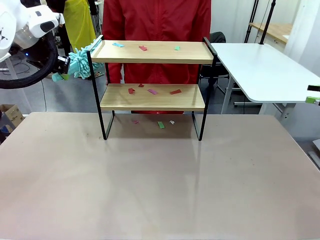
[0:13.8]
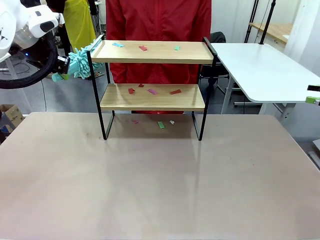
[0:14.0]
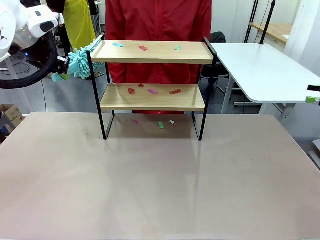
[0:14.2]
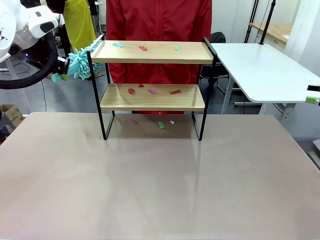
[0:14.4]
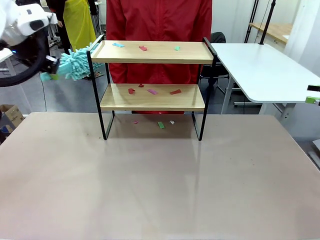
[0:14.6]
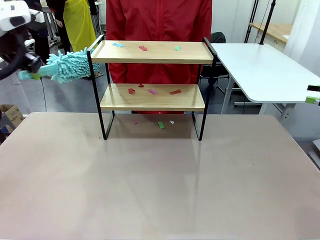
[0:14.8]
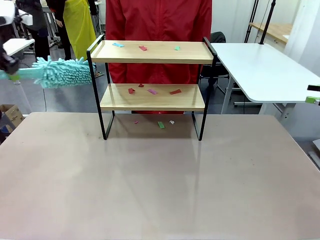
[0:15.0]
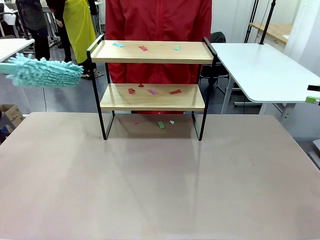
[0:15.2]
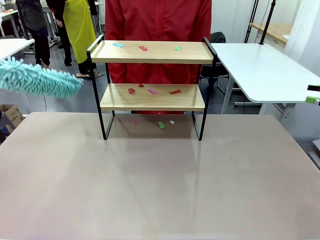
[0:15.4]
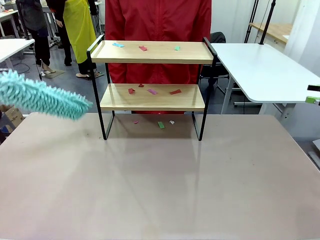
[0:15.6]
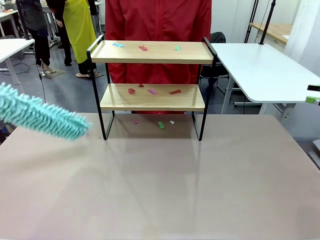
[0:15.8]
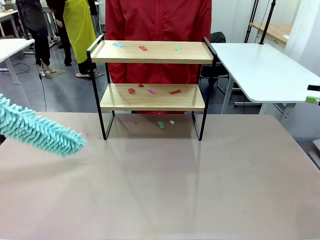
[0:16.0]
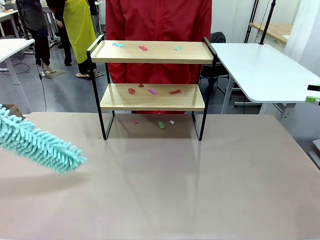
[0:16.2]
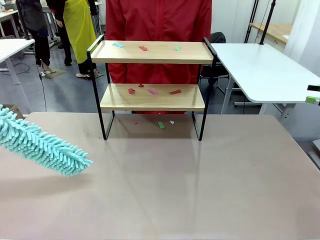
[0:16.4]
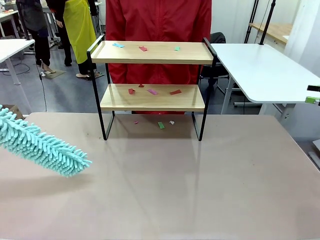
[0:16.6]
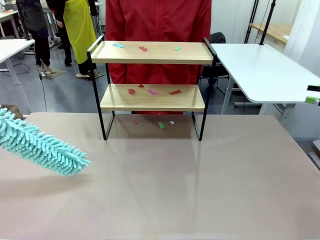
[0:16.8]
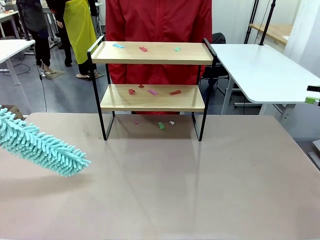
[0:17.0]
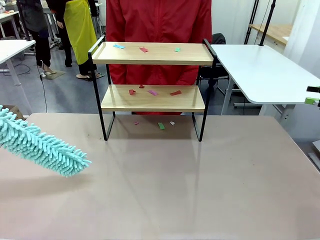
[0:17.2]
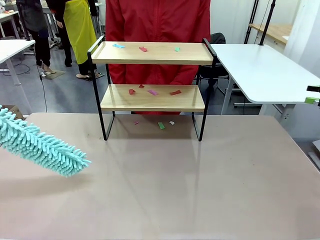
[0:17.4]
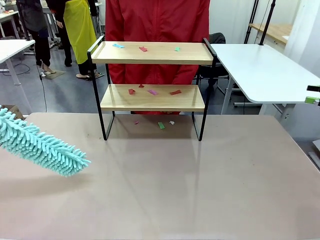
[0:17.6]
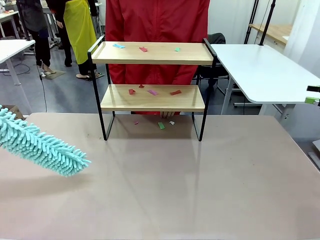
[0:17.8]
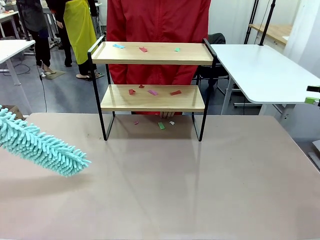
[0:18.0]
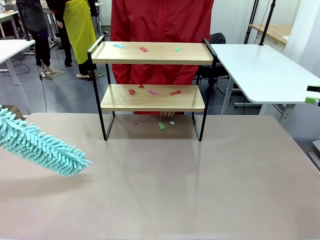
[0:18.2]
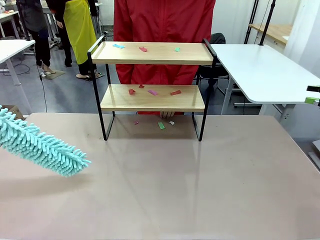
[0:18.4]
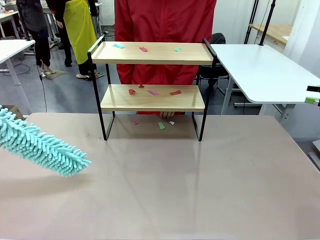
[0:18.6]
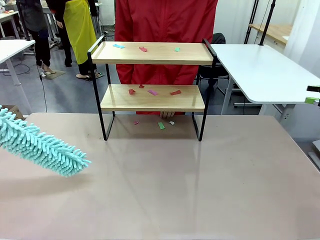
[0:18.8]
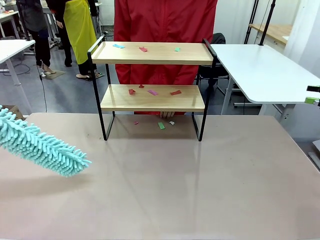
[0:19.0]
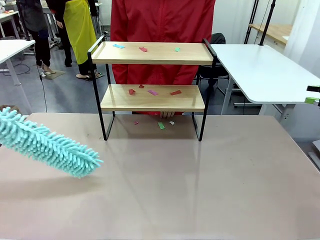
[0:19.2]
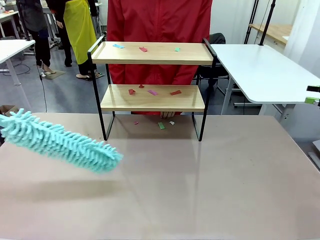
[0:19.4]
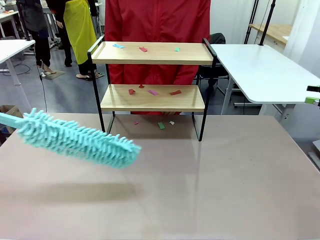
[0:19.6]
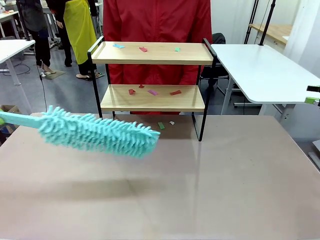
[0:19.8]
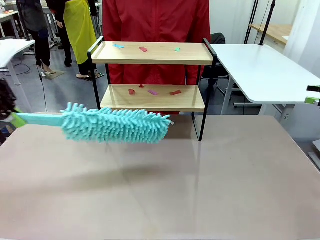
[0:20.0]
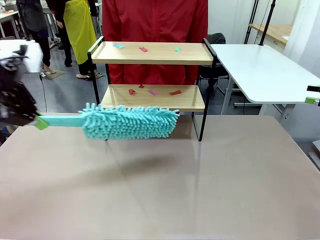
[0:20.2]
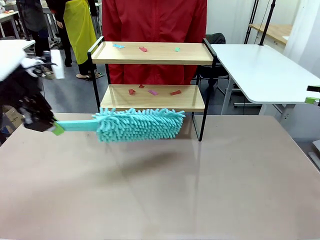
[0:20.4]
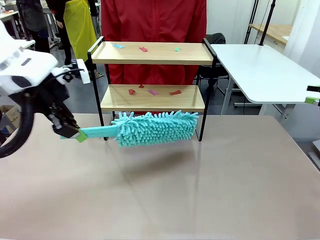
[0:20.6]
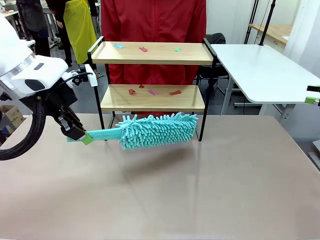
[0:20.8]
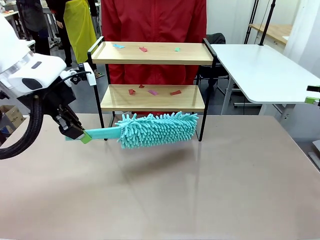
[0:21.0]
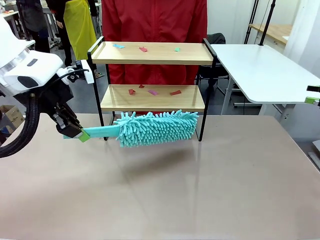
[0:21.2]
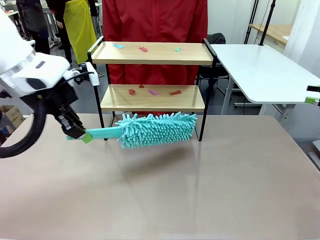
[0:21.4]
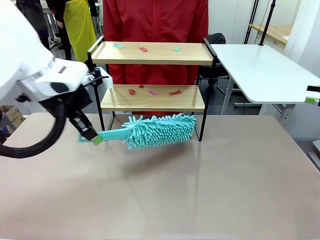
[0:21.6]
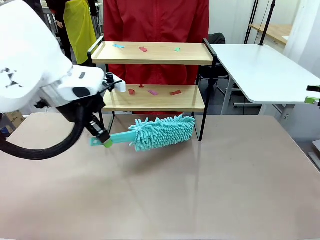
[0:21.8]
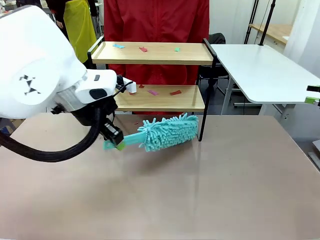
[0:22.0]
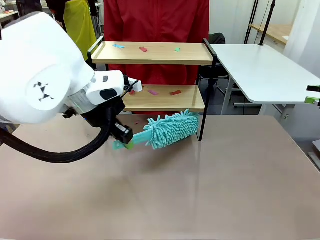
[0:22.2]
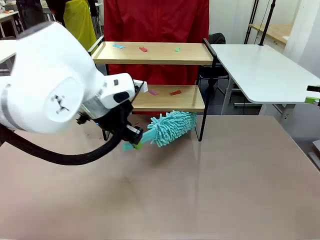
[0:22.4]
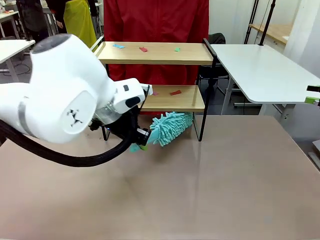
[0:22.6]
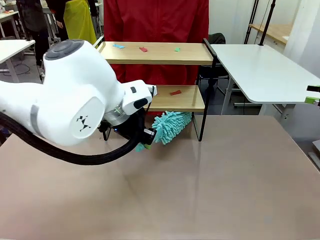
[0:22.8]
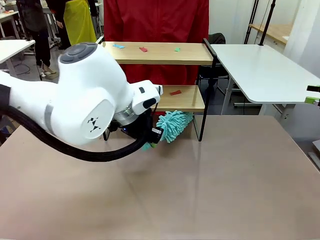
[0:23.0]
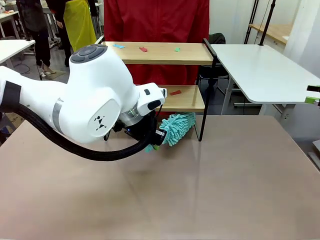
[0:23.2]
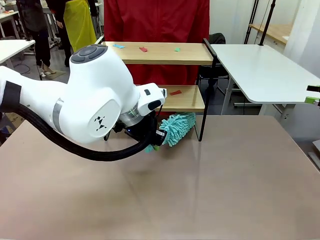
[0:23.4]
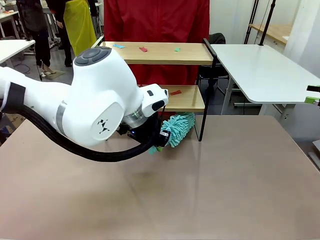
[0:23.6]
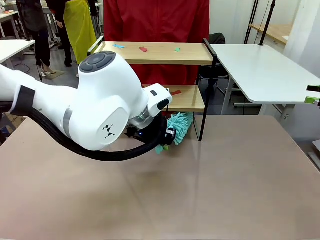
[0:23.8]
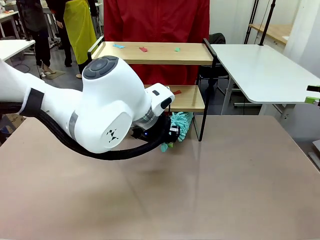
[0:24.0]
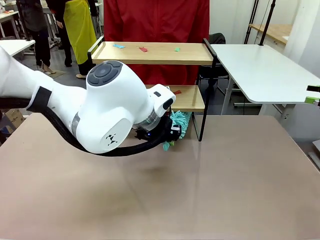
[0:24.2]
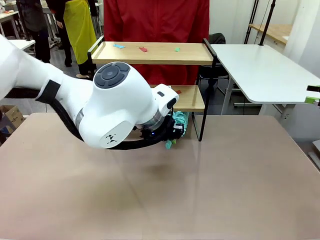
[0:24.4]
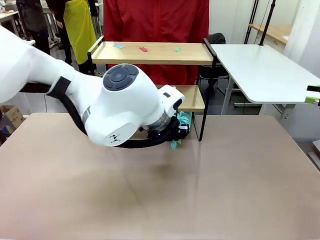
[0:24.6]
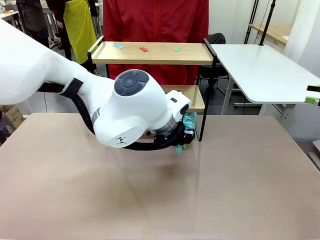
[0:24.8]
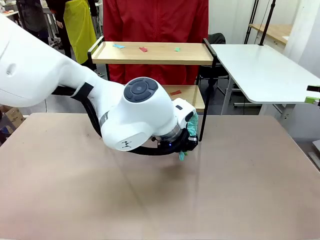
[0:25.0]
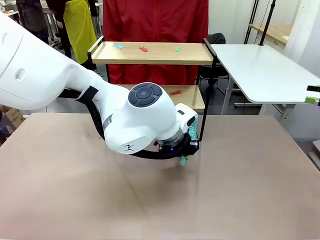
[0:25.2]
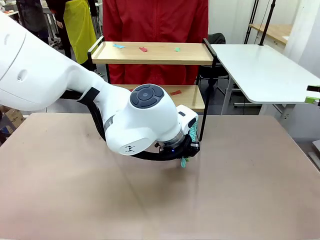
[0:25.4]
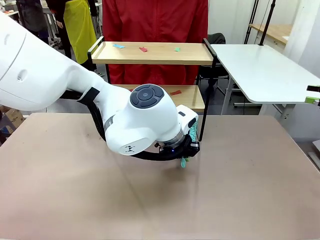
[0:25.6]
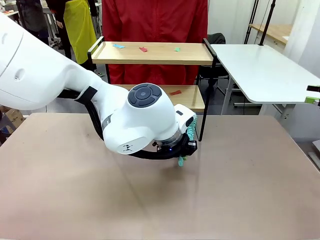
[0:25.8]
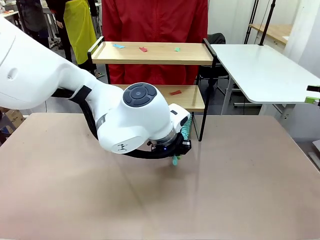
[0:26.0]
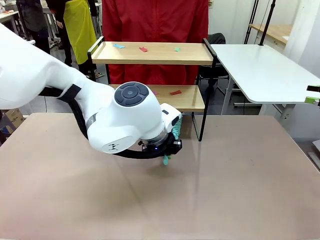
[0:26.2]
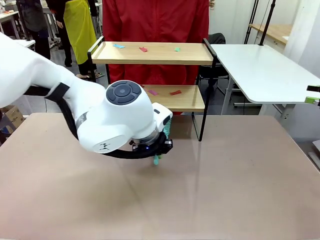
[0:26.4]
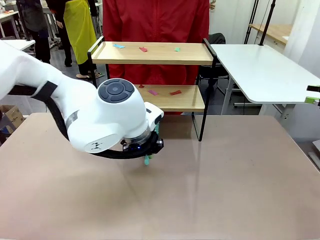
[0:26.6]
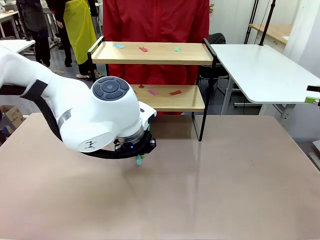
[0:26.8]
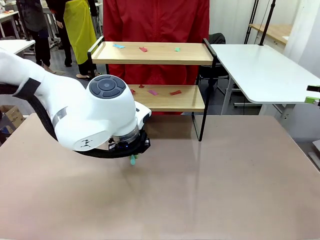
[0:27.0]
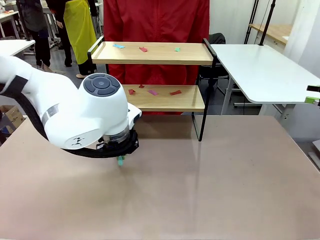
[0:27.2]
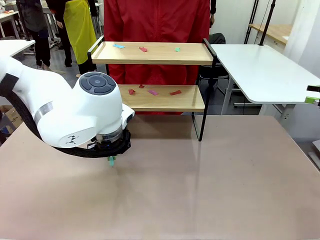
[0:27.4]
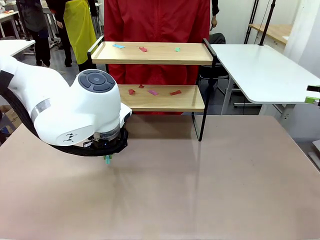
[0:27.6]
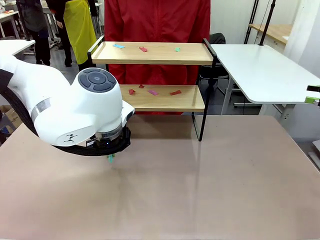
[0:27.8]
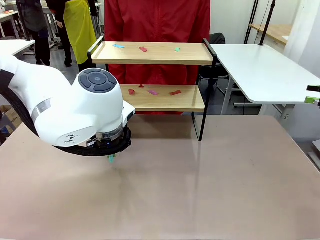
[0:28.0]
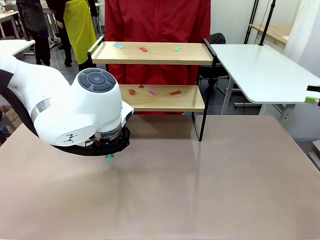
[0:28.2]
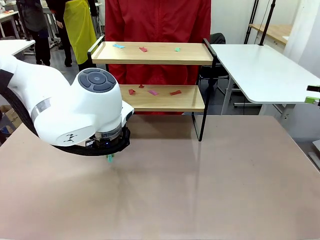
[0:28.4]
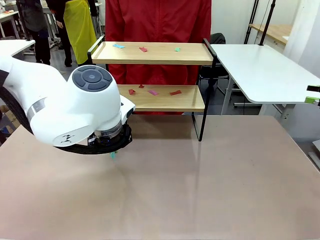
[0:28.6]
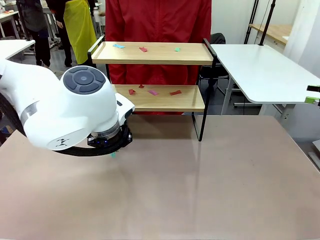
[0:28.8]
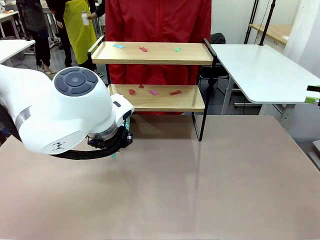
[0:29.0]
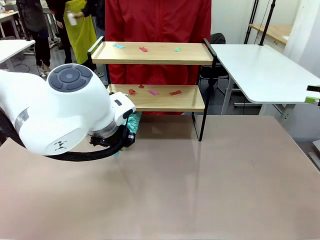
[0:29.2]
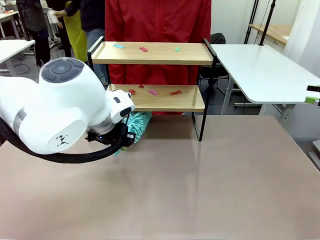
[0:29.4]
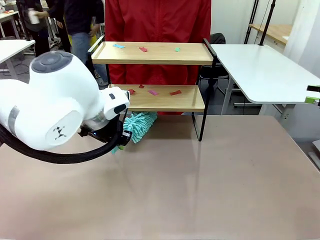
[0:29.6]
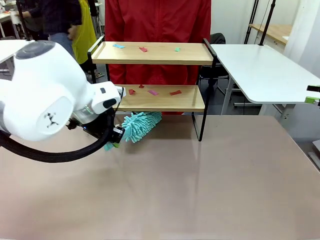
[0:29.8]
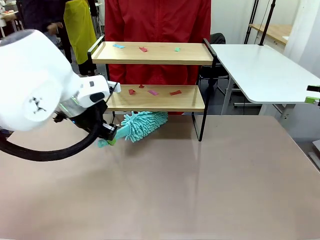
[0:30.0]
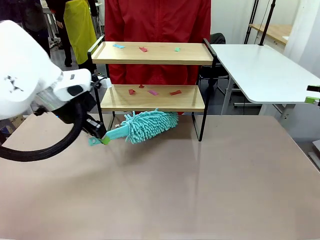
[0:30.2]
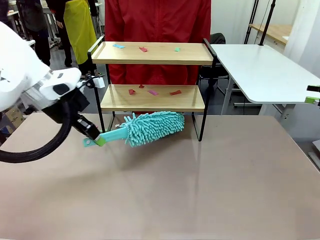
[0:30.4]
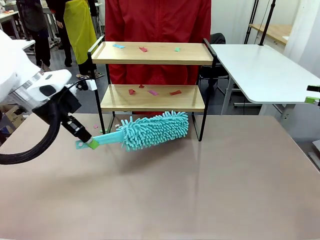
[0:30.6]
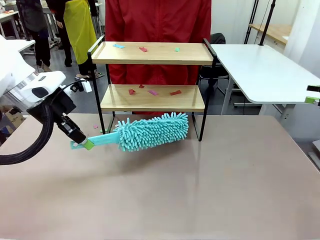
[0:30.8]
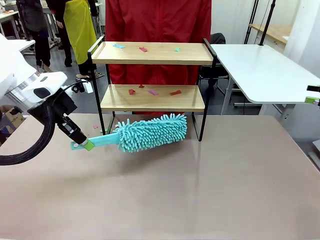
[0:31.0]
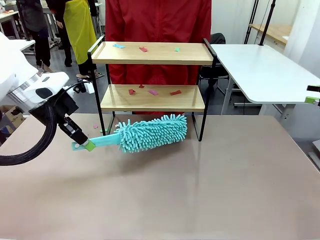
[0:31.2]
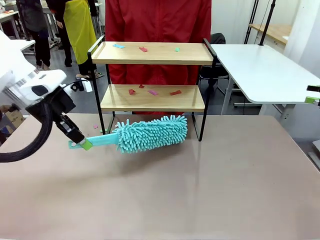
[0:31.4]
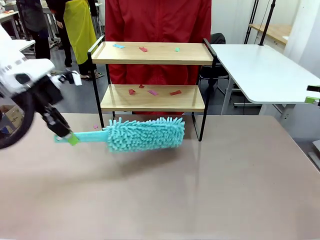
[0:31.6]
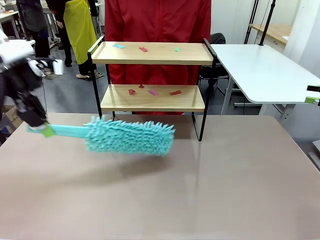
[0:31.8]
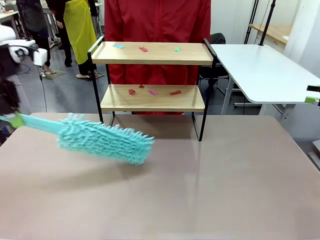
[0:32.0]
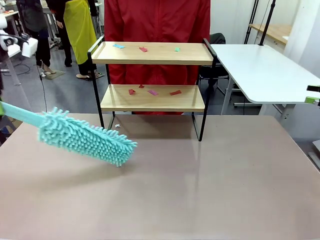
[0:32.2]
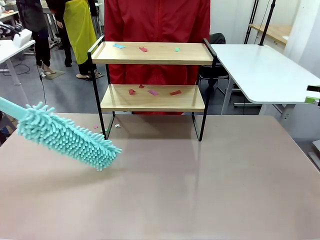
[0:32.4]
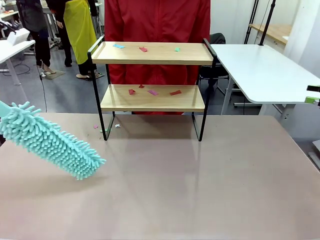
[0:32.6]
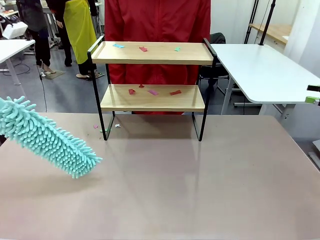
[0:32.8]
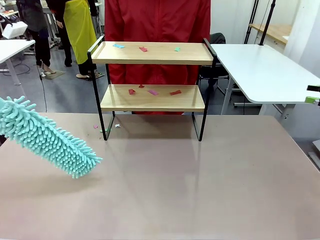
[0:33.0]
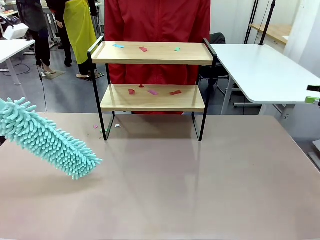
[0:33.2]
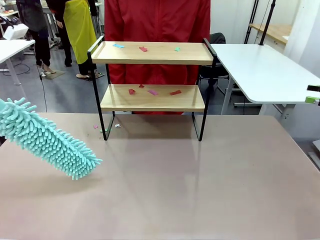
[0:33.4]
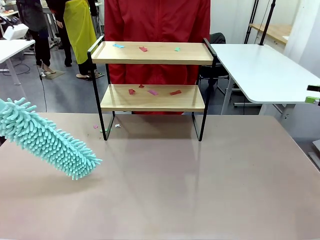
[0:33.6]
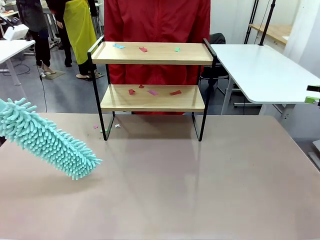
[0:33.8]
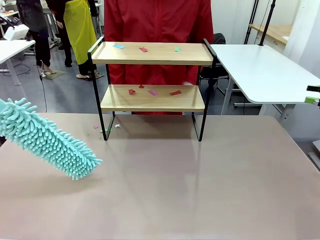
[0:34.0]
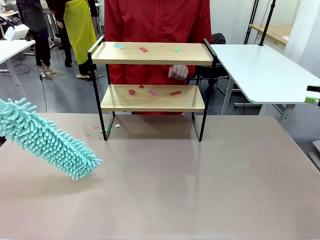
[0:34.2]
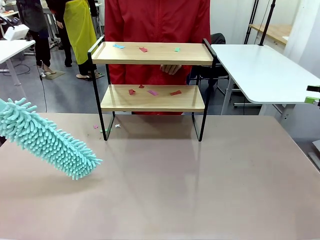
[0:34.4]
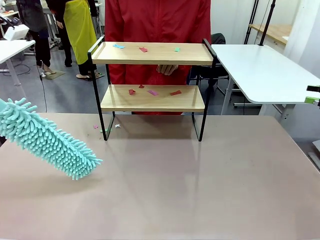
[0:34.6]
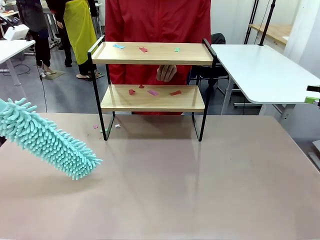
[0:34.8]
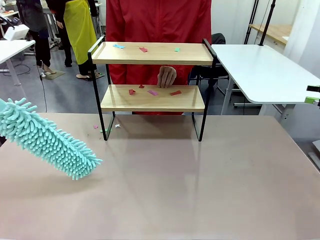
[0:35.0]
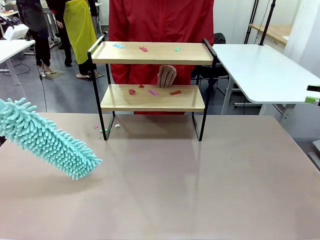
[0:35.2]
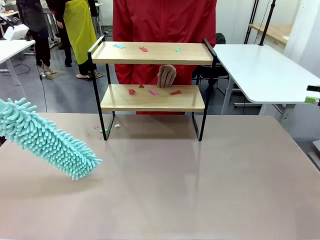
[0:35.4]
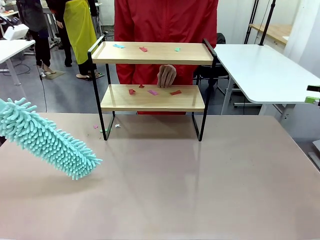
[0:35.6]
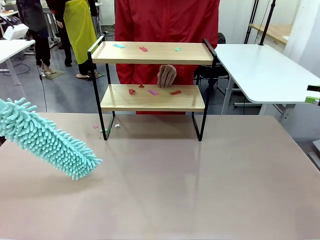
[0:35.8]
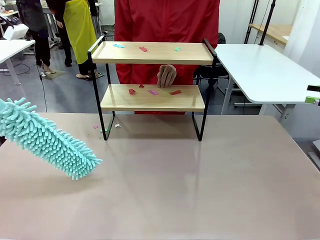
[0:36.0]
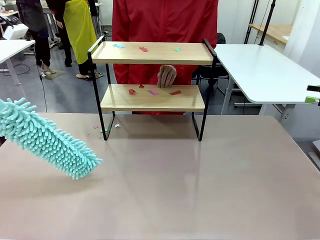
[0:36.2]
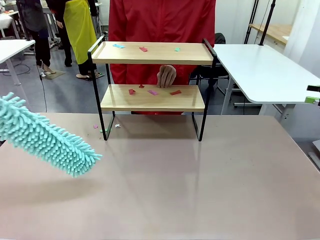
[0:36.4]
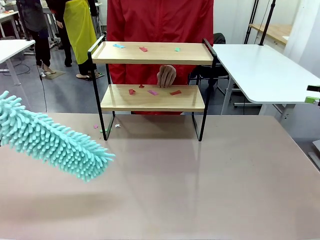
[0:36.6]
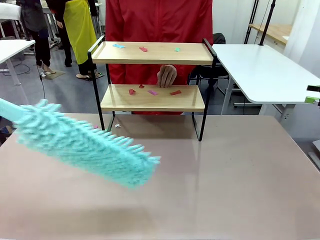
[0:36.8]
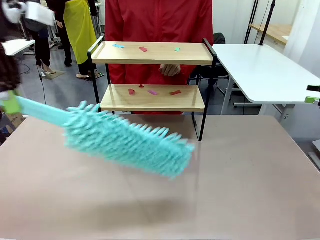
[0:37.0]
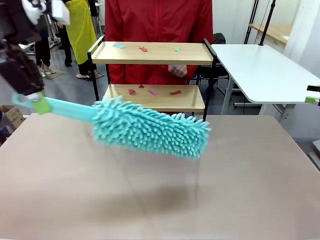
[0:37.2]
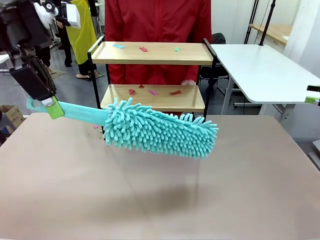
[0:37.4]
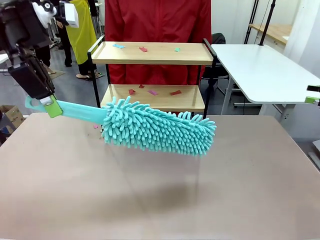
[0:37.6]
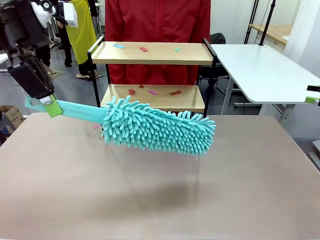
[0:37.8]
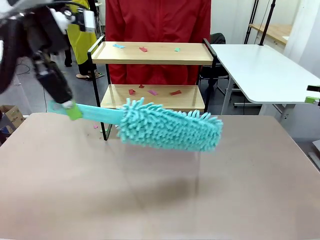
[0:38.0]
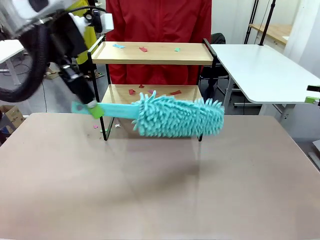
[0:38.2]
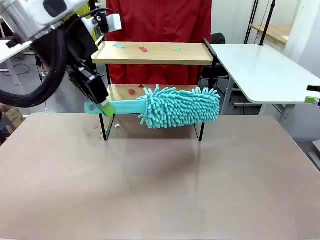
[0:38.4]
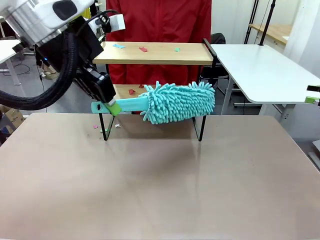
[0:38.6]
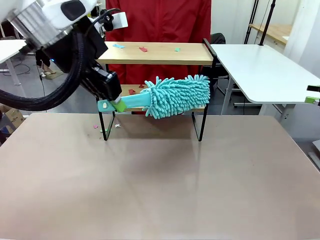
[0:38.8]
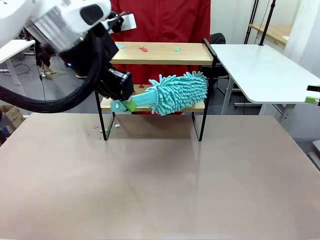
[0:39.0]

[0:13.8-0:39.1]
Task: Clean the shelf.
Robot: Clean the specific section of the Shelf indicated by the human with the Duster.
Person: Point a random section of the Shelf.
